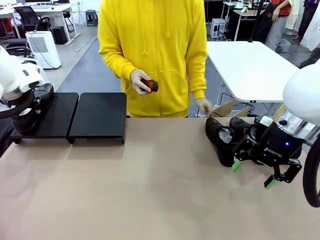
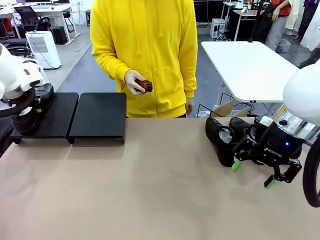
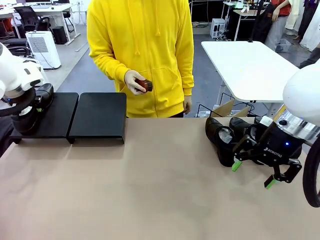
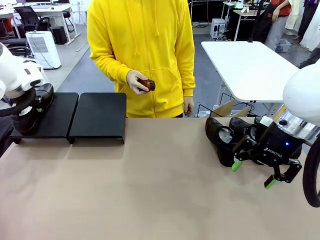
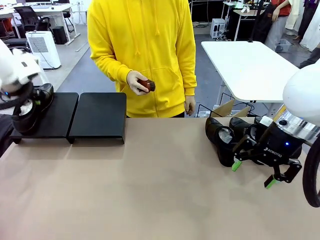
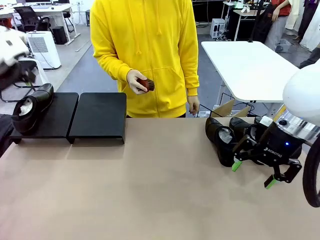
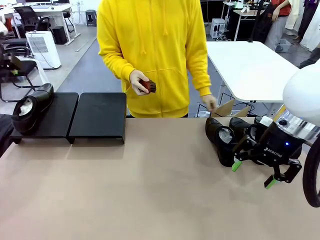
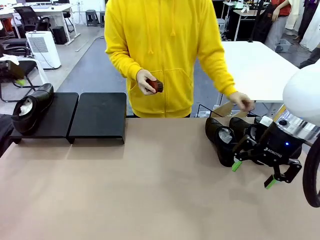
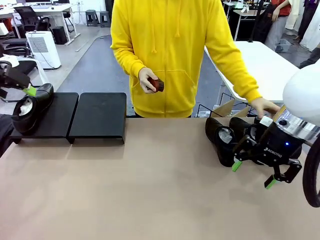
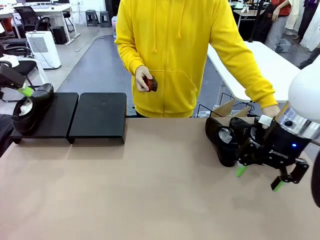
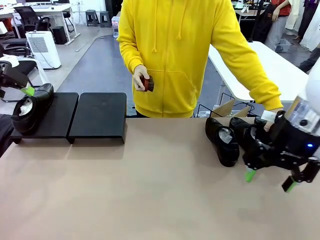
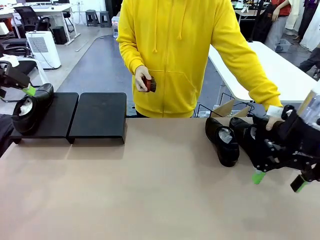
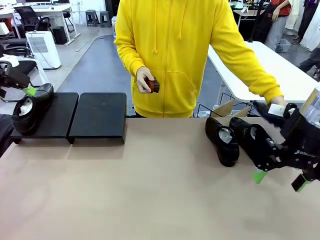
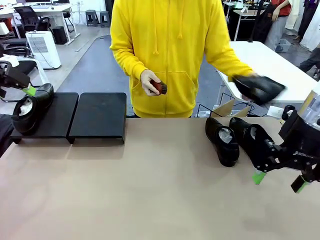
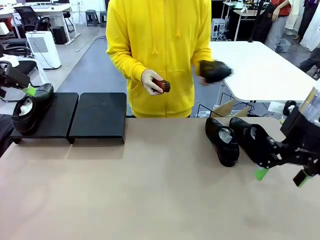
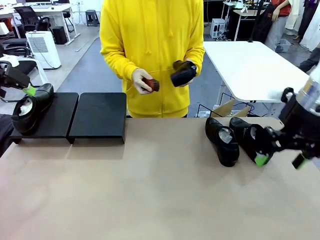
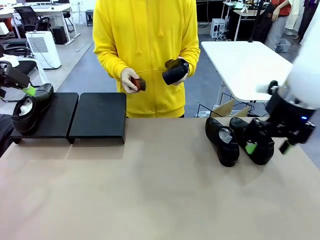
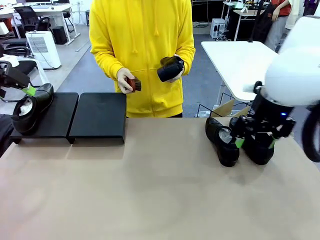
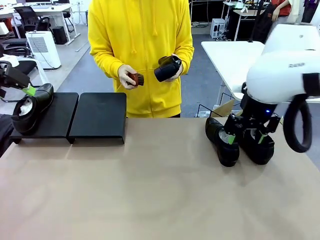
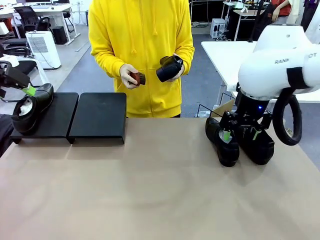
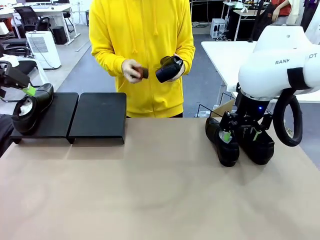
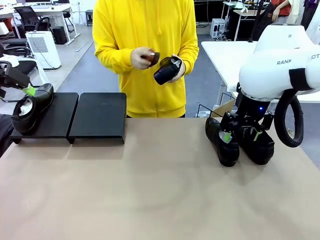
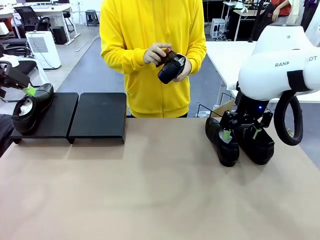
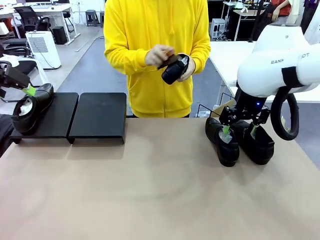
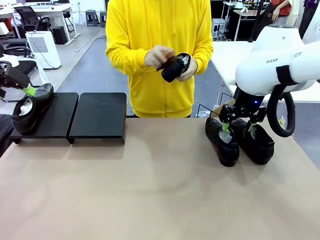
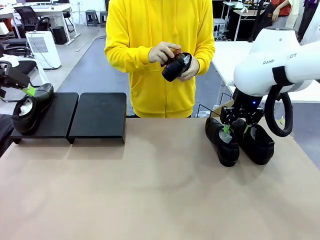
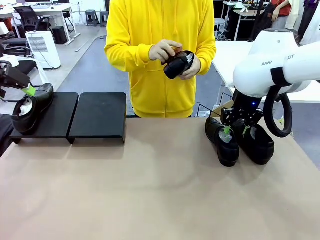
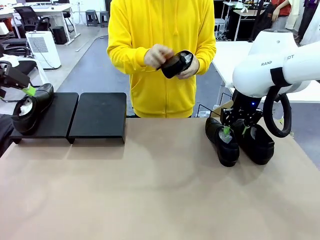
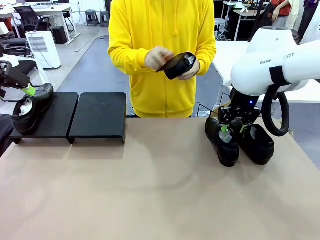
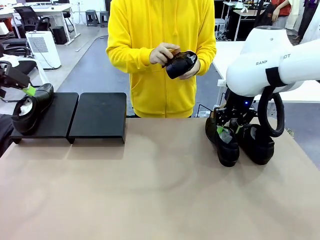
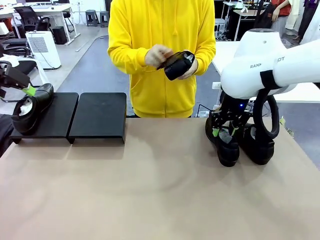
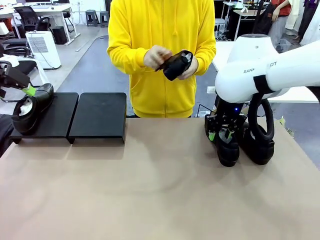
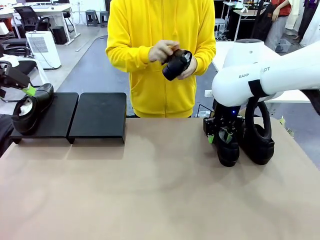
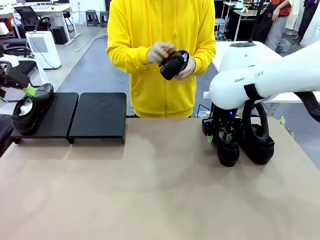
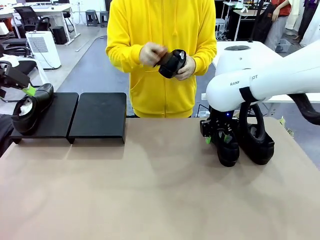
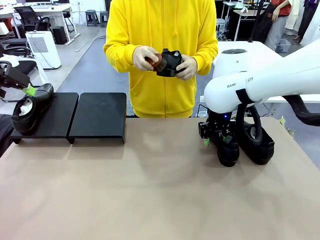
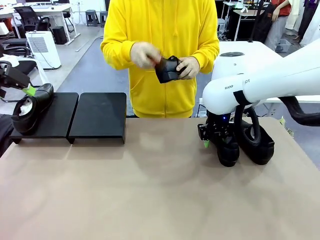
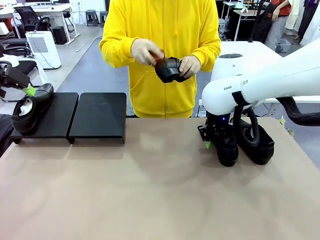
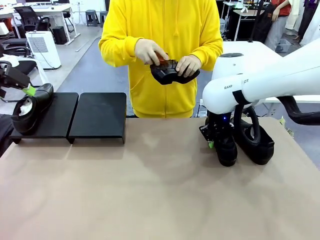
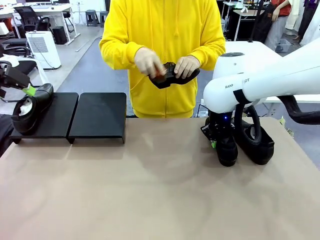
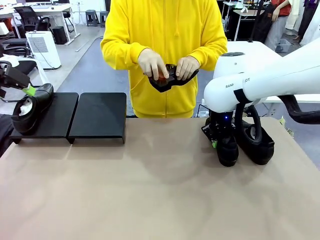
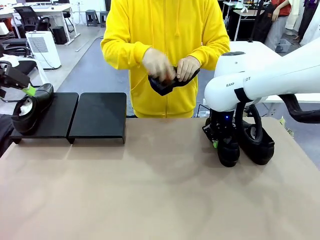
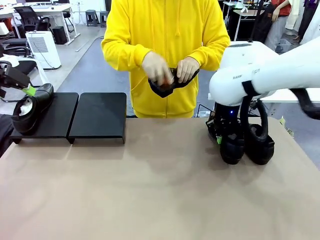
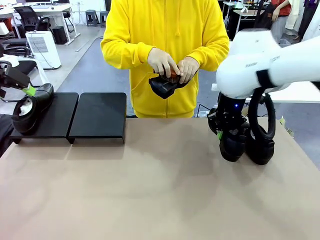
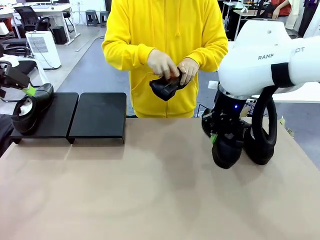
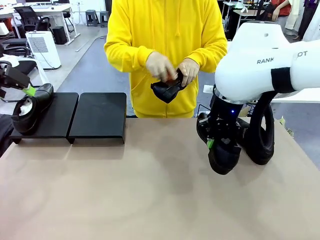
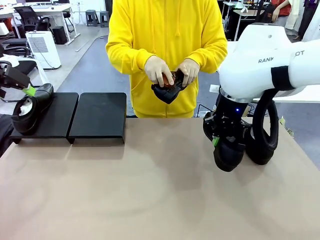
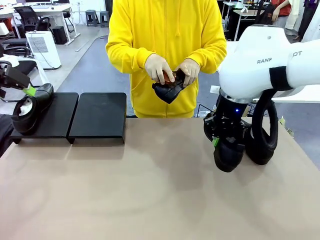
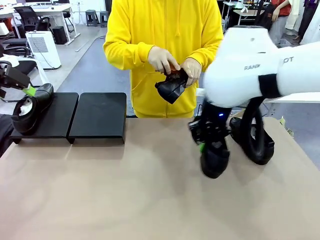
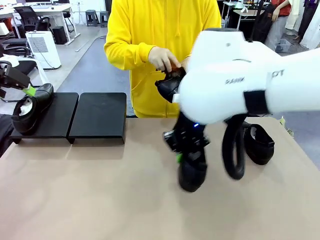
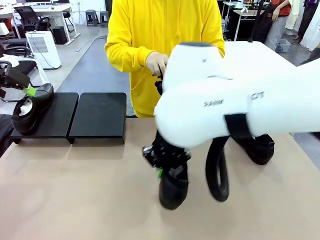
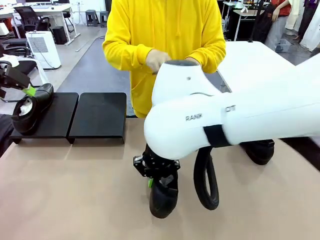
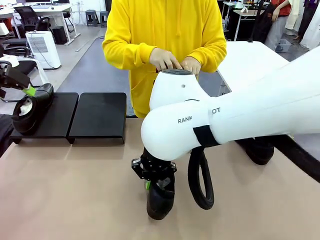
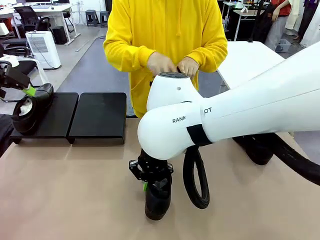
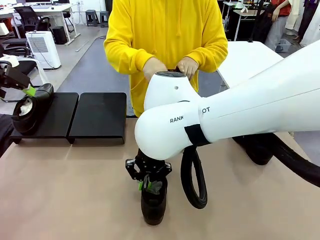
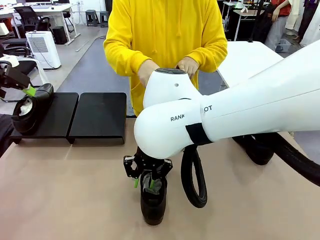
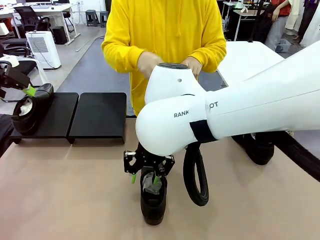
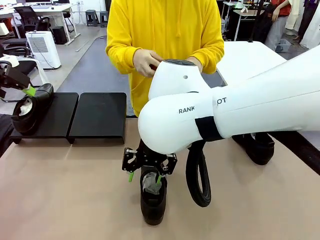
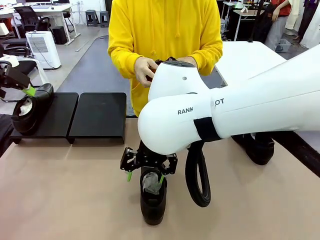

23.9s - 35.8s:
Task: Organize the shoes by placing them on the stand.
Robot: Pick up one Shoe and place it in the middle of the table.
Person: Pick one Shoe on Robot's table. Clean the Shoe with the Shoe Brush.

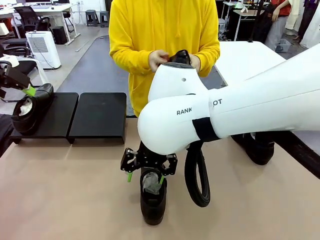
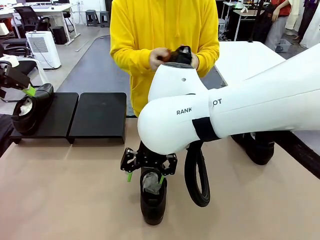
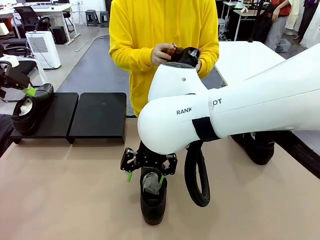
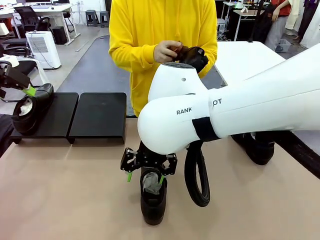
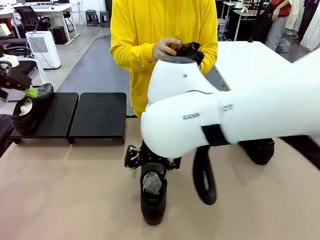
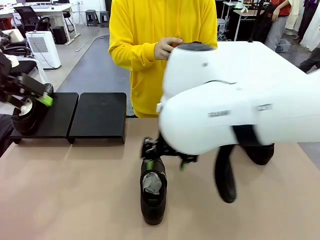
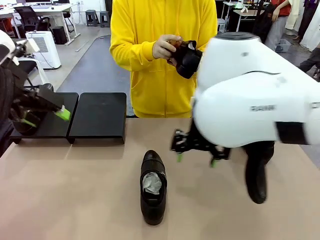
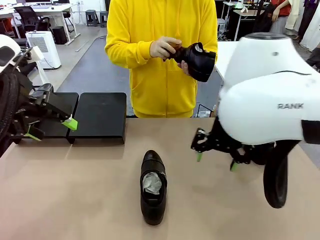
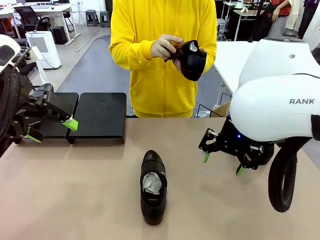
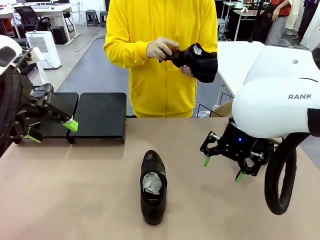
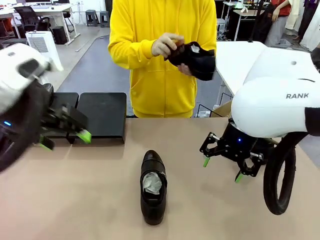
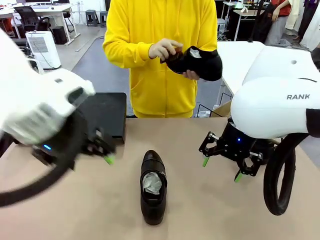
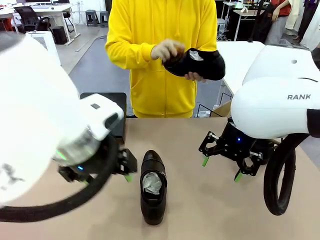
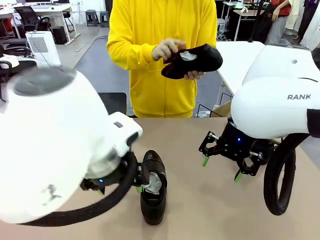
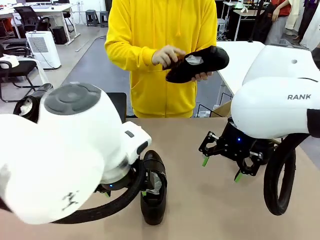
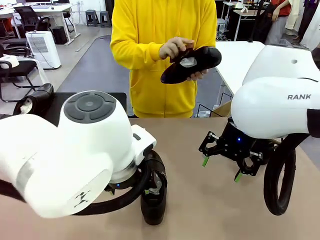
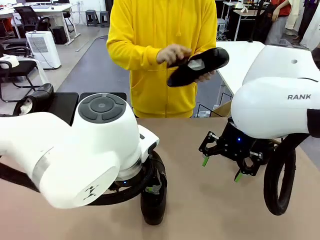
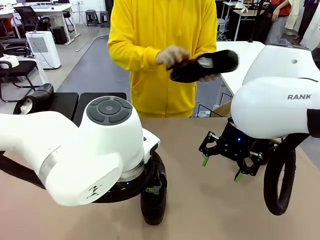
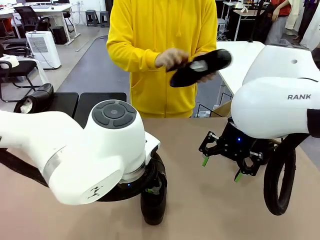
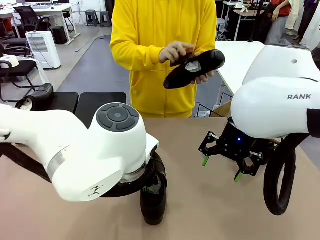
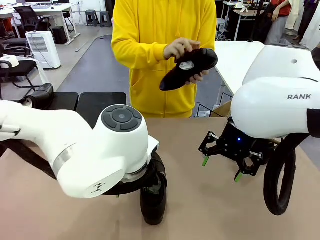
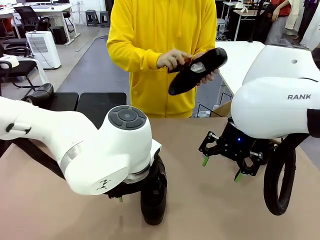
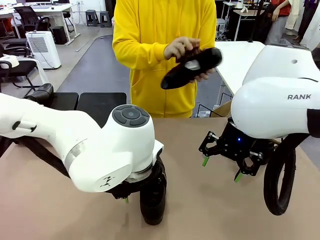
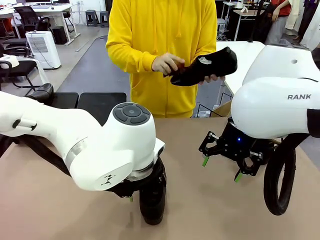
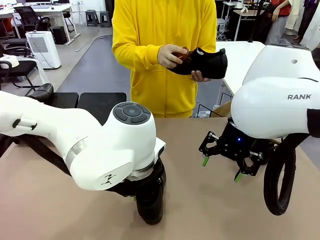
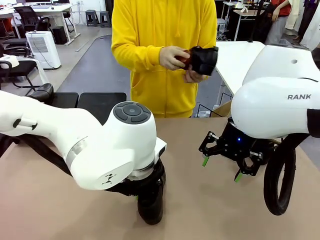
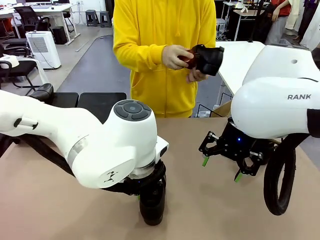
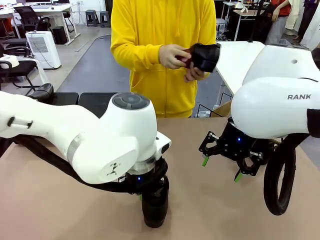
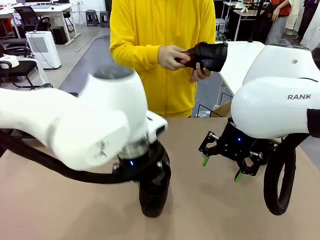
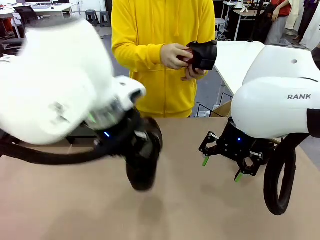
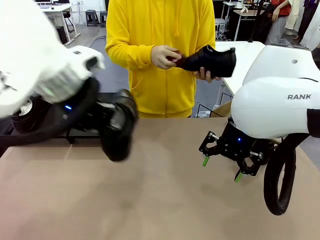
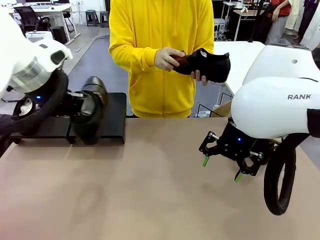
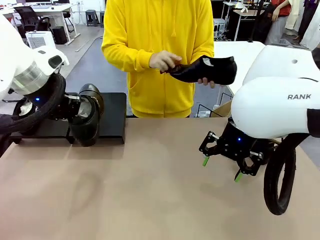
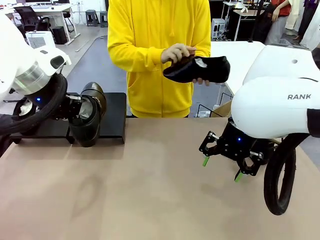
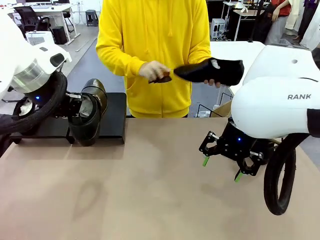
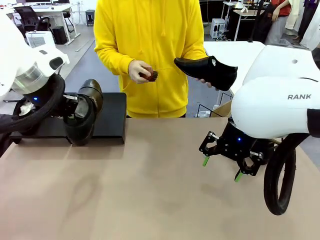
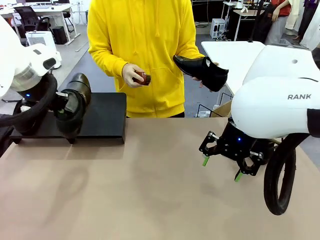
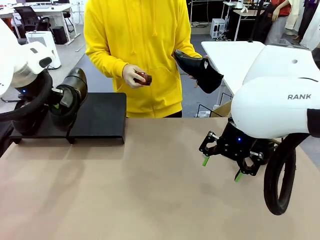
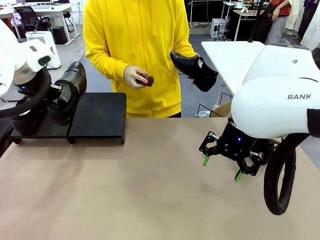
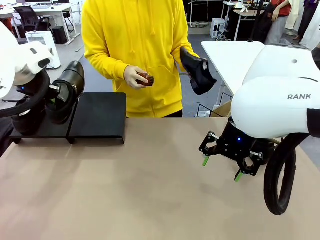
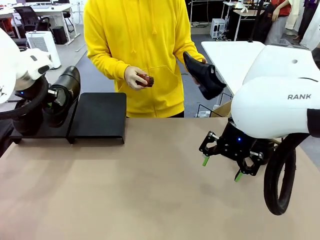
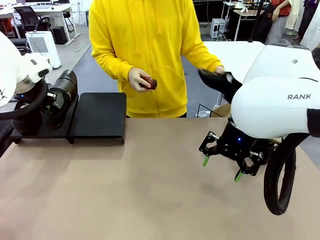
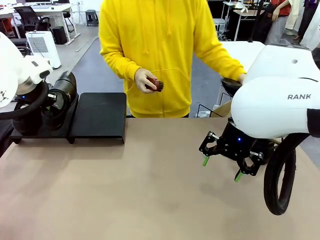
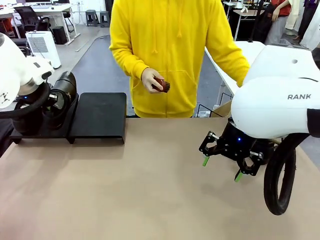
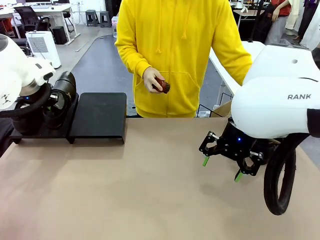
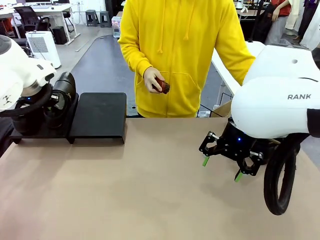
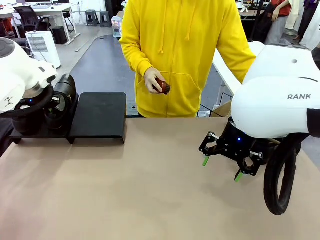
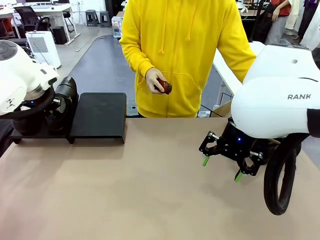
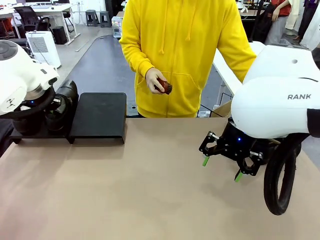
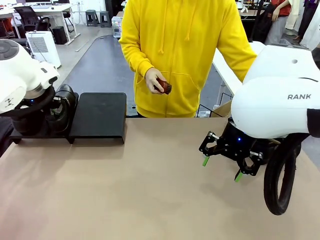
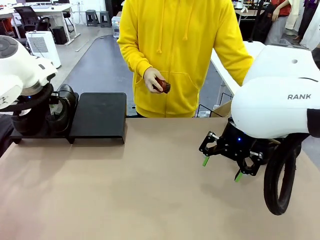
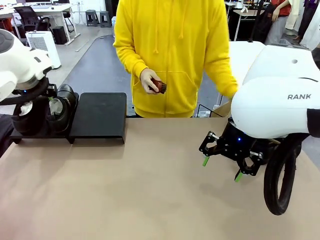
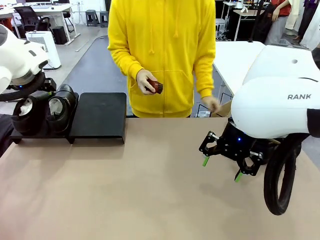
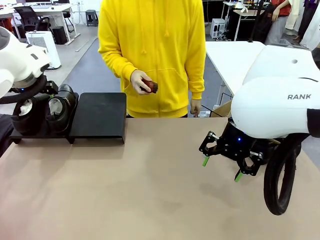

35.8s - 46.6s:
Robot: Place the Shoe from the middle of the table onto the Shoes Stand.
